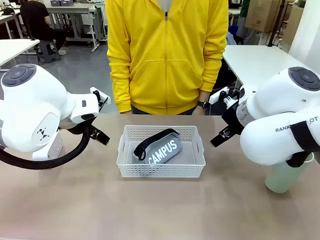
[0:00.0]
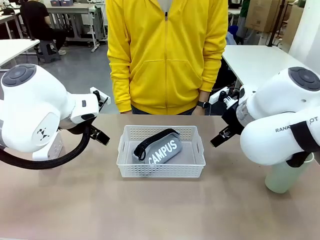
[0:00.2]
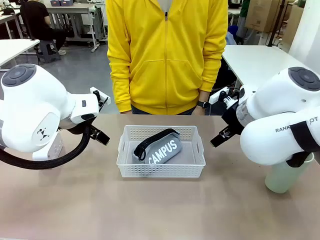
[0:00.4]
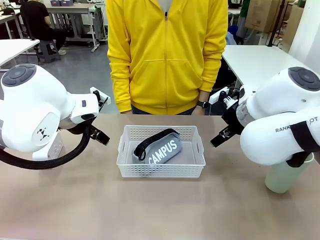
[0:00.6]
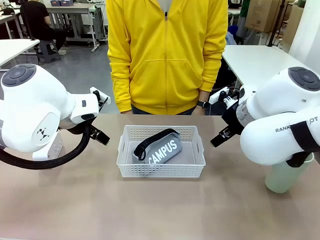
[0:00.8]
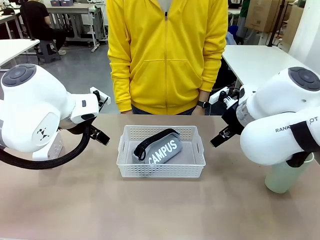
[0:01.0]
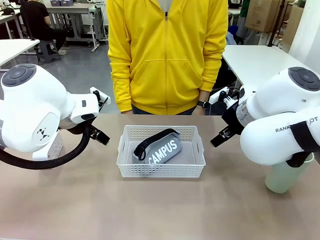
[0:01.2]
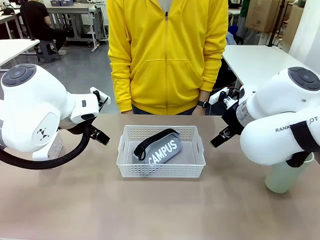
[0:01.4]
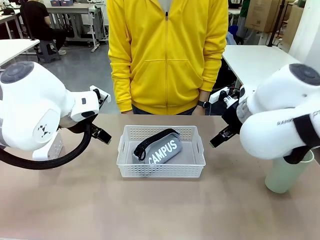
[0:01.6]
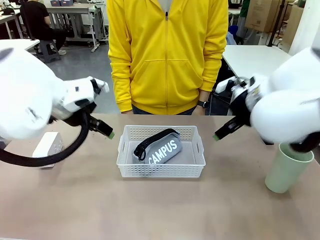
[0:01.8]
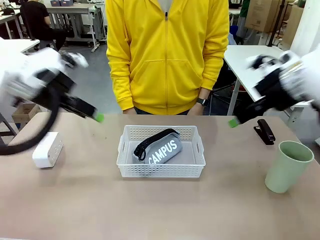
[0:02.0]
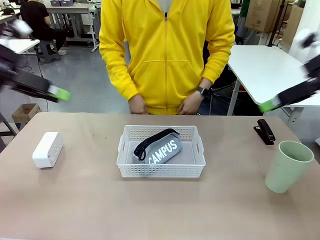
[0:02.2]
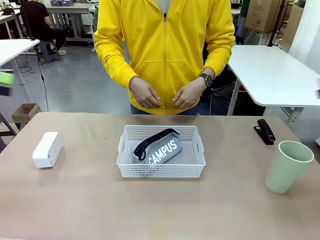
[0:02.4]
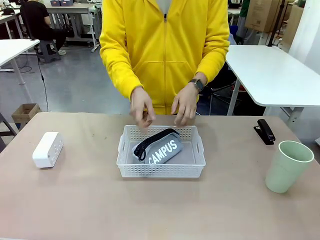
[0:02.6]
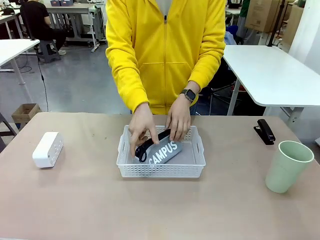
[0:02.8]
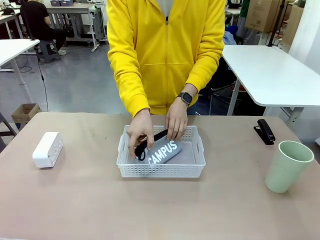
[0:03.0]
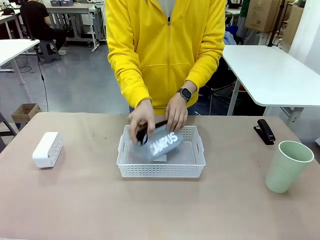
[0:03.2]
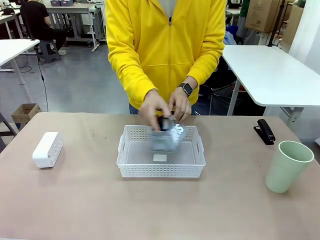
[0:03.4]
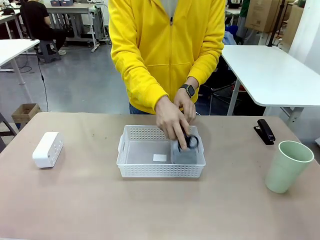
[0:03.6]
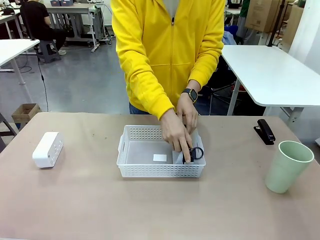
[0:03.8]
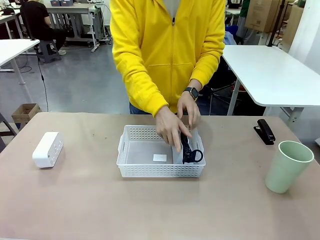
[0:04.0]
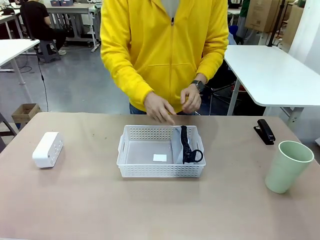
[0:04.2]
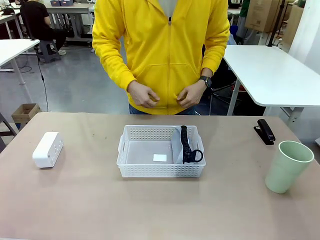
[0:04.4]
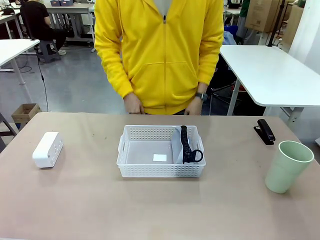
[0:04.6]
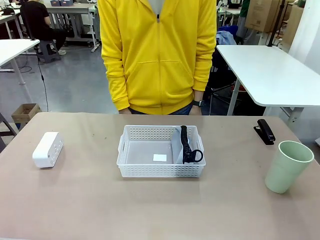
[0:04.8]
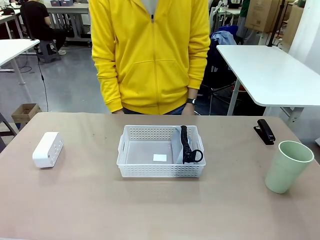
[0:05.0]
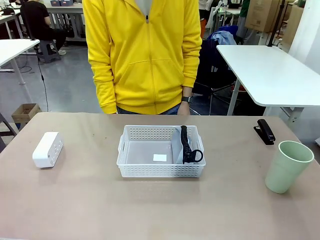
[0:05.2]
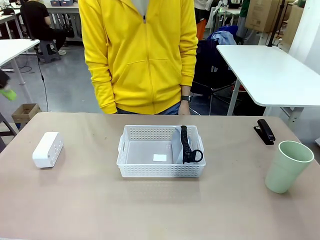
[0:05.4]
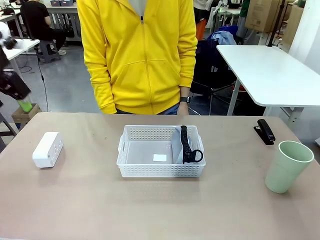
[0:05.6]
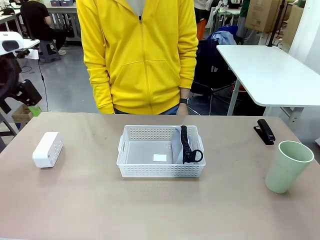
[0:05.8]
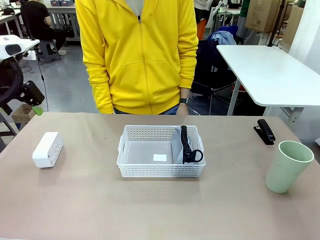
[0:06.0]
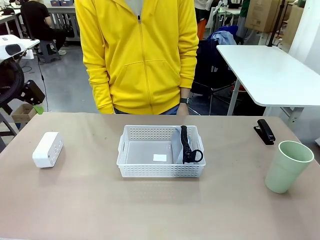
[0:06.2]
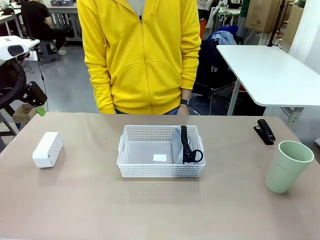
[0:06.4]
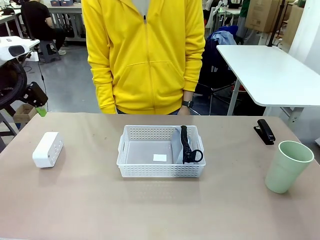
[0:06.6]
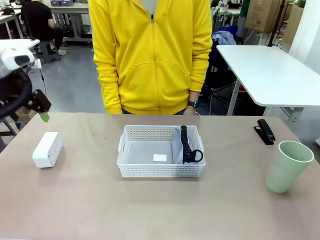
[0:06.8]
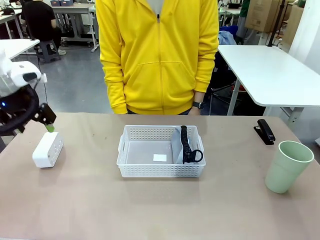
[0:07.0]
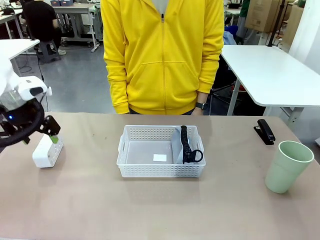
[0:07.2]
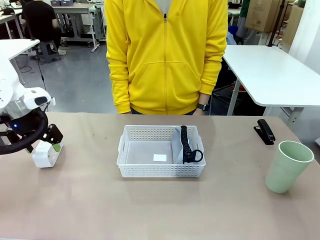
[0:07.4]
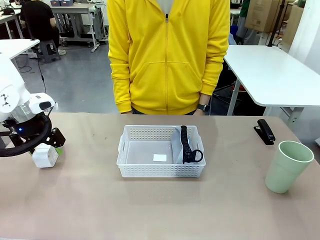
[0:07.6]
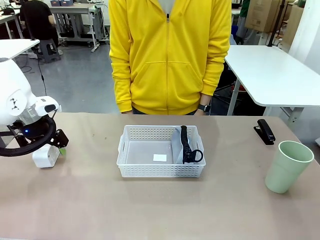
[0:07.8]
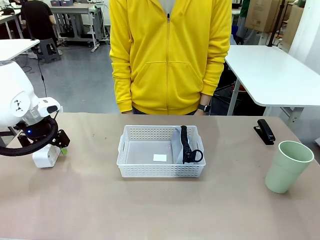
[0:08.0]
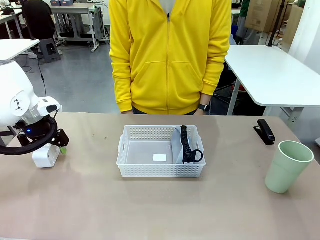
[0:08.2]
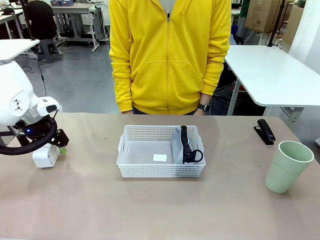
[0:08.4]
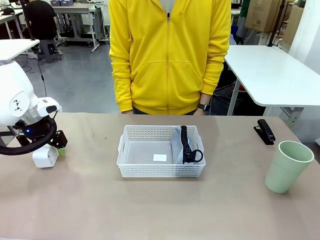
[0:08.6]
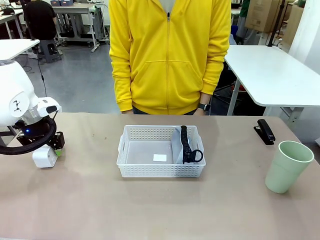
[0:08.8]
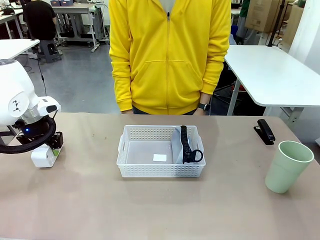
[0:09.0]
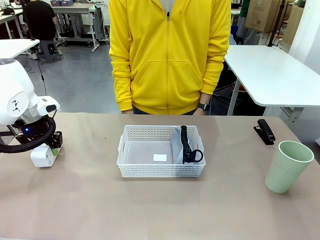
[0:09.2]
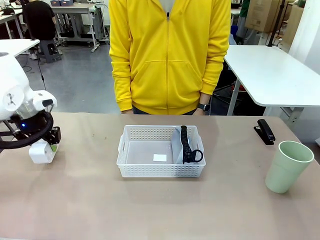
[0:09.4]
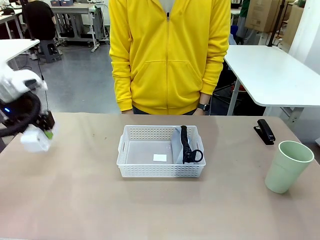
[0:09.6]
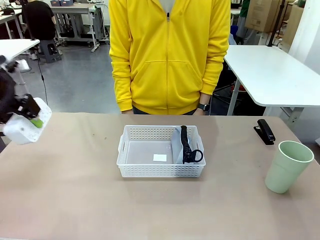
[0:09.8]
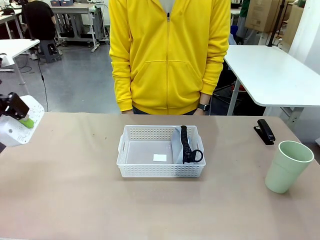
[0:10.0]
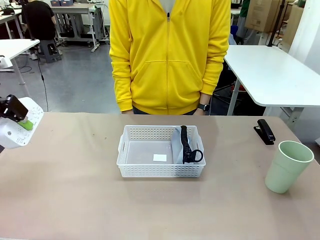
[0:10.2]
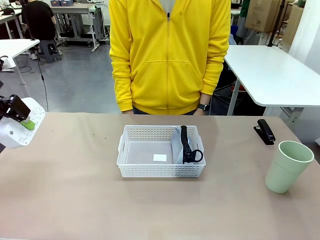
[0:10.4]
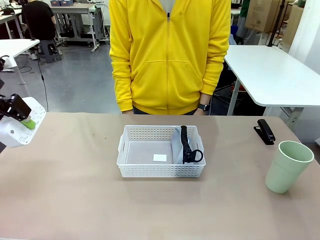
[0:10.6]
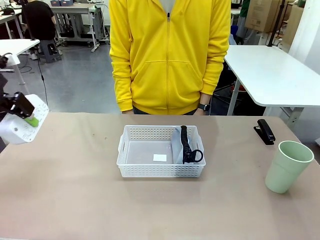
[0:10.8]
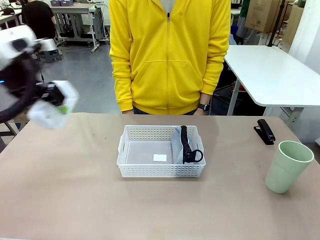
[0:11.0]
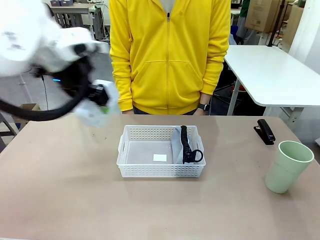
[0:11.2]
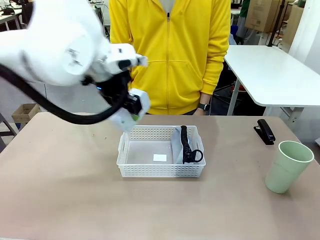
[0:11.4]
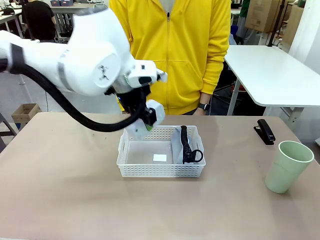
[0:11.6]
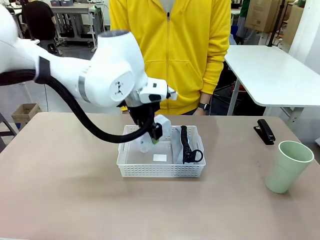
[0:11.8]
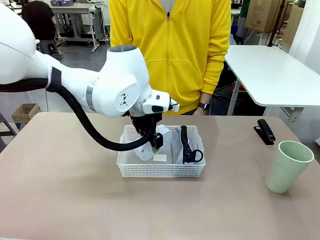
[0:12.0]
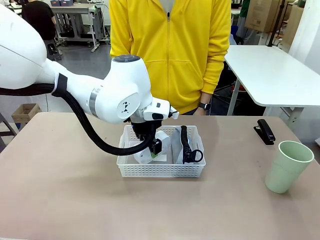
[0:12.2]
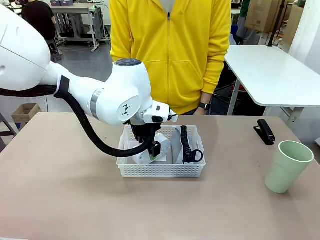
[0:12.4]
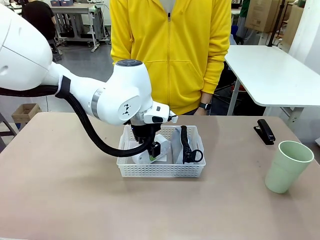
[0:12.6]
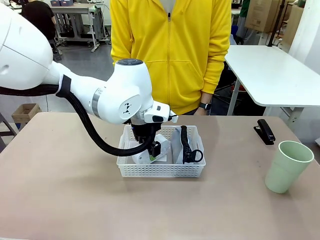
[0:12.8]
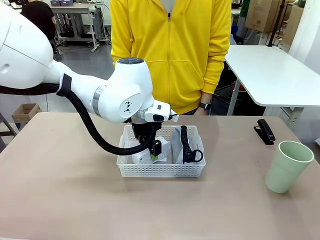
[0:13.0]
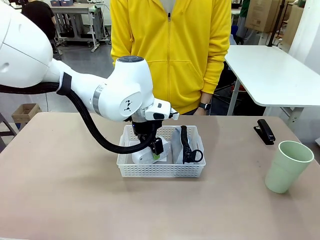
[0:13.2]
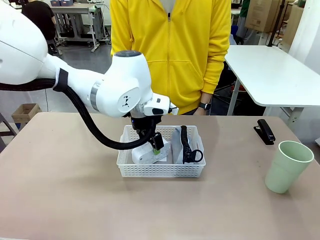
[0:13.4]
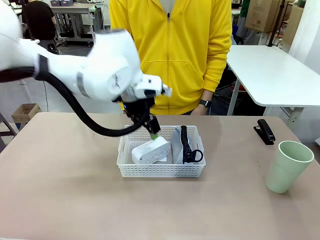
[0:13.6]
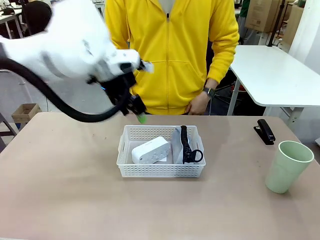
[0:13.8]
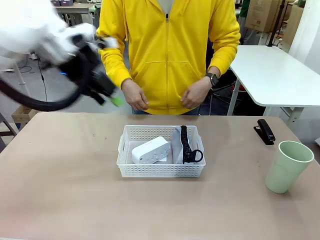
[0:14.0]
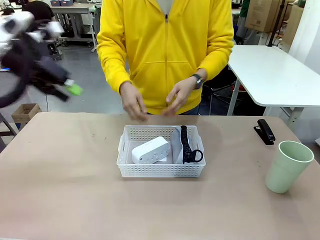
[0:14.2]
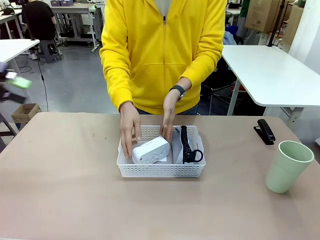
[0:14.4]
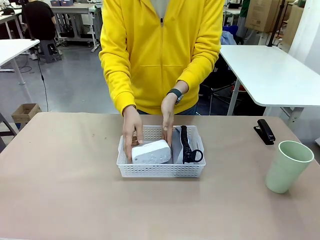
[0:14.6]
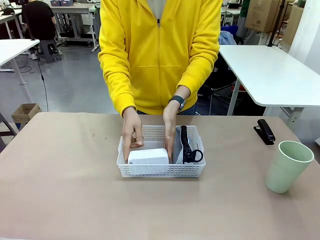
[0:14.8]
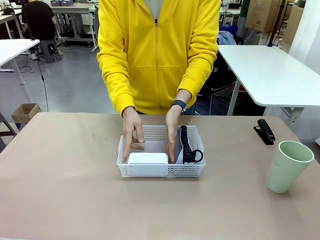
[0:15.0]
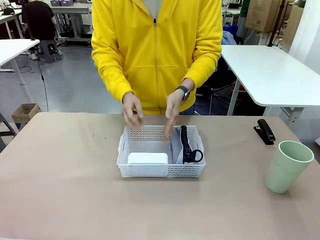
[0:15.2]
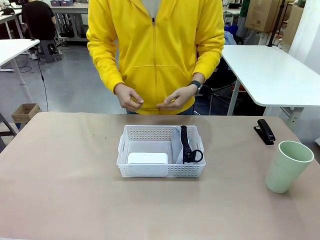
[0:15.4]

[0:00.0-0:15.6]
Task: Efficiently arrange items inside the basket to fit them all.
Robot: Pick up the Digital clock and place it inside the Organizing basket.
Person: Repositions the pencil case. Repositions the digital clock.
